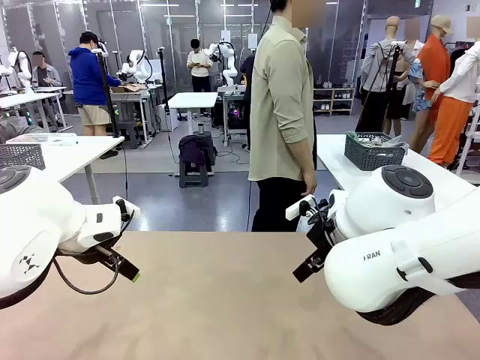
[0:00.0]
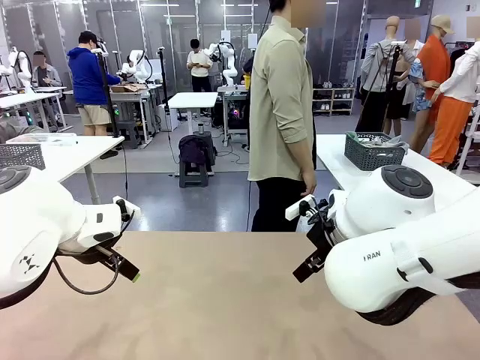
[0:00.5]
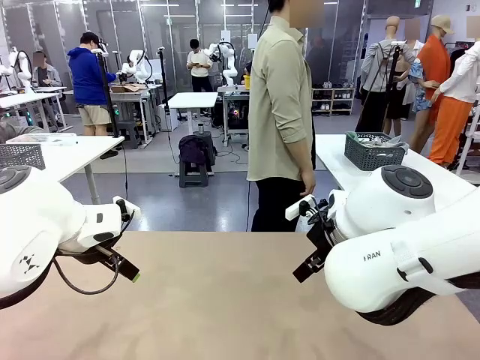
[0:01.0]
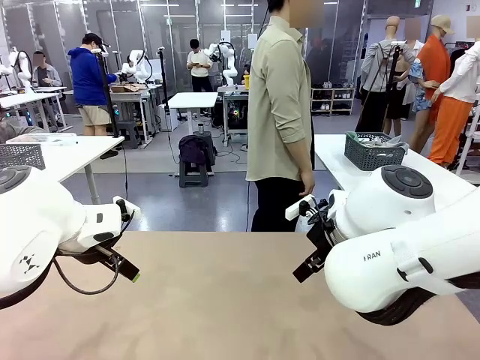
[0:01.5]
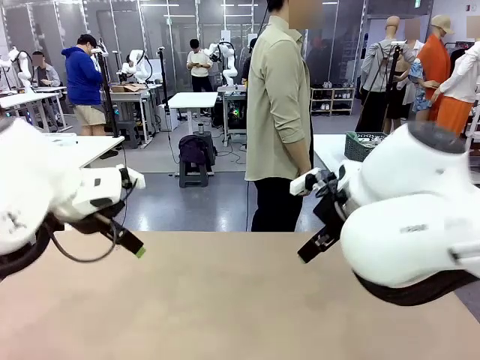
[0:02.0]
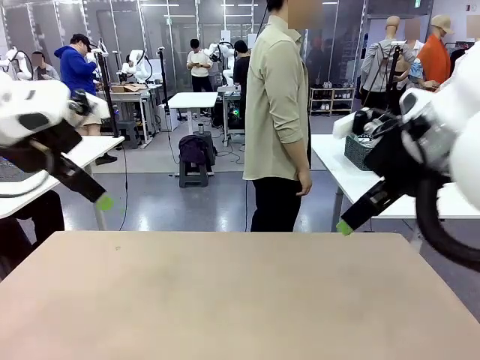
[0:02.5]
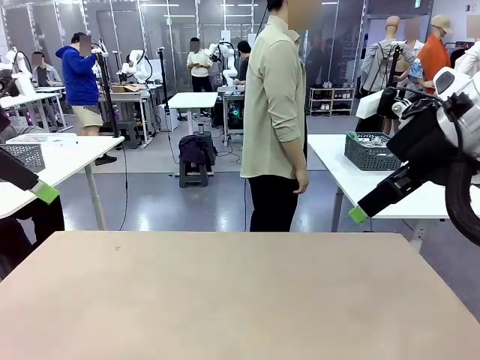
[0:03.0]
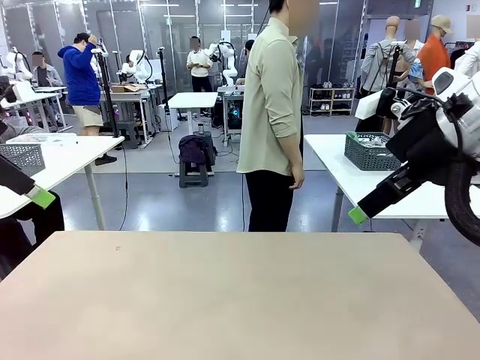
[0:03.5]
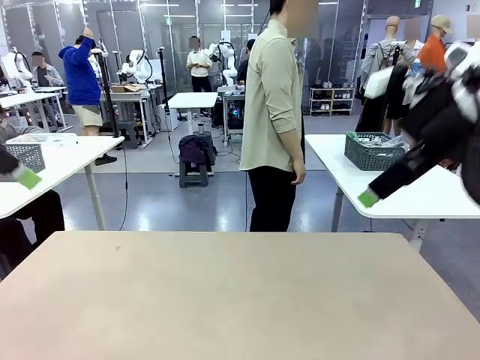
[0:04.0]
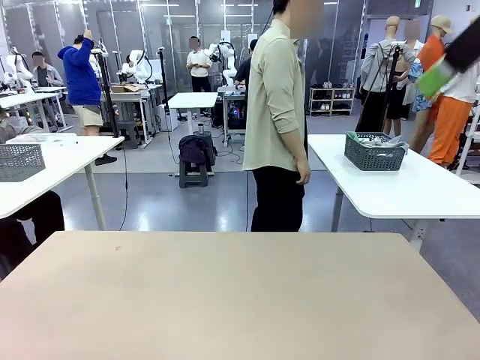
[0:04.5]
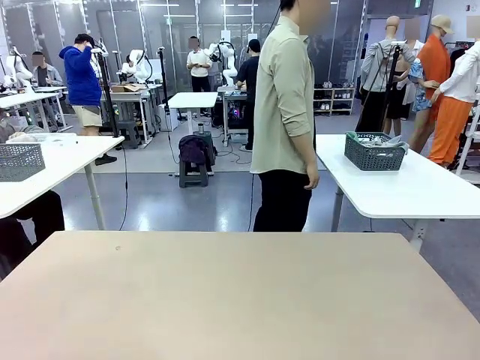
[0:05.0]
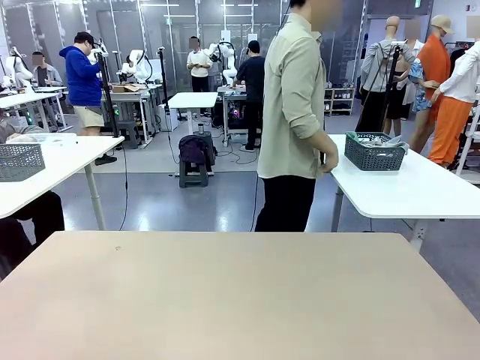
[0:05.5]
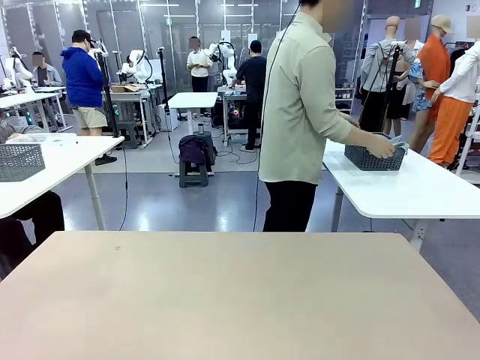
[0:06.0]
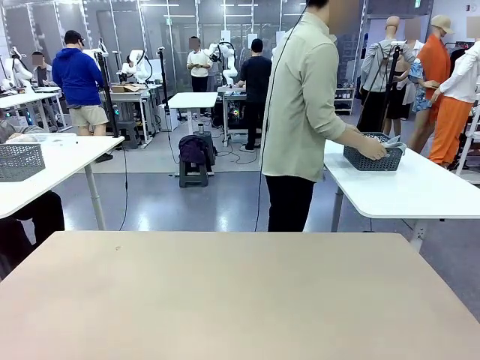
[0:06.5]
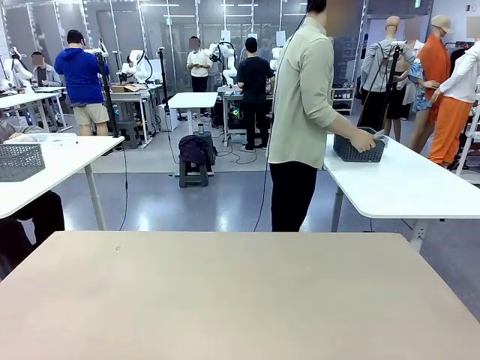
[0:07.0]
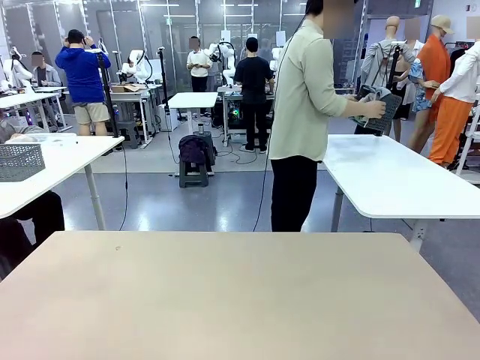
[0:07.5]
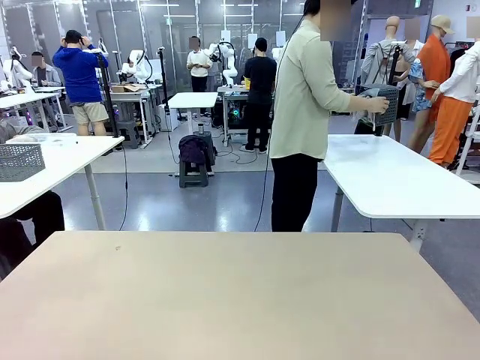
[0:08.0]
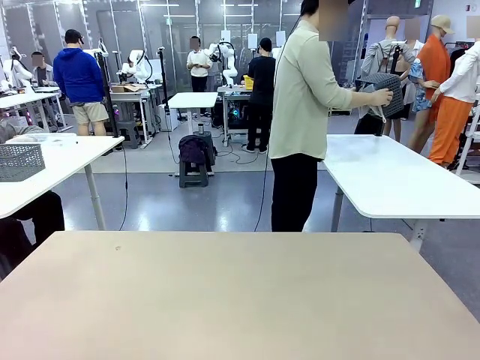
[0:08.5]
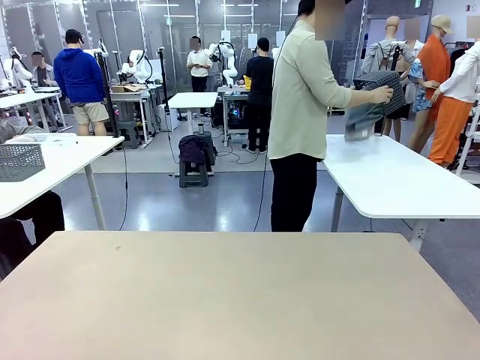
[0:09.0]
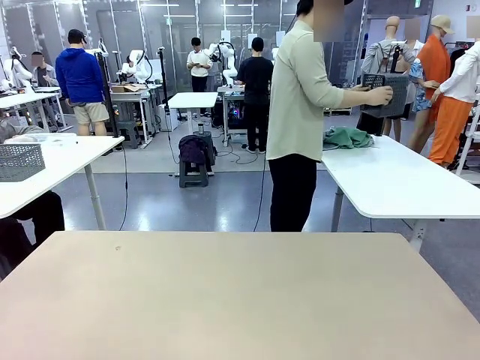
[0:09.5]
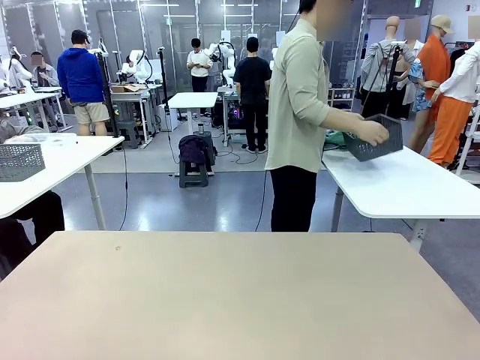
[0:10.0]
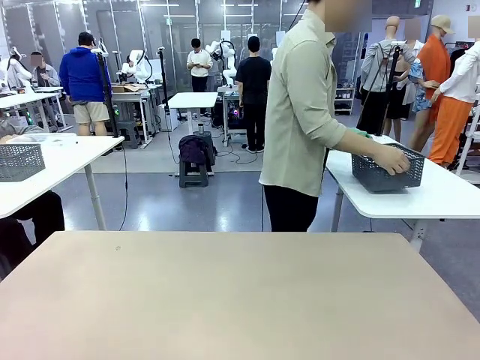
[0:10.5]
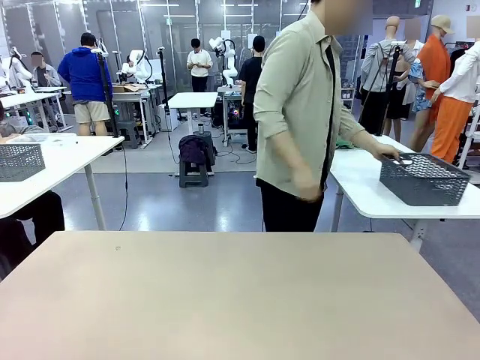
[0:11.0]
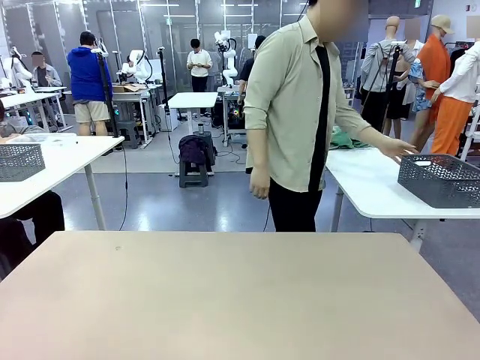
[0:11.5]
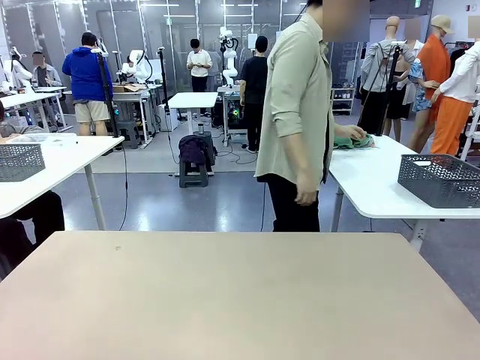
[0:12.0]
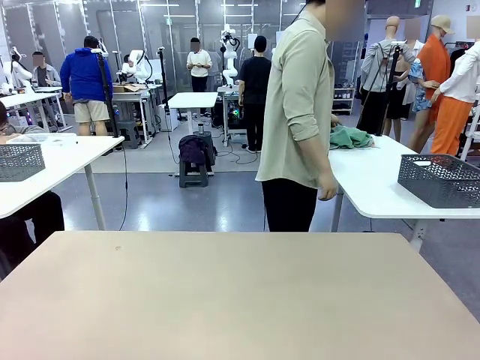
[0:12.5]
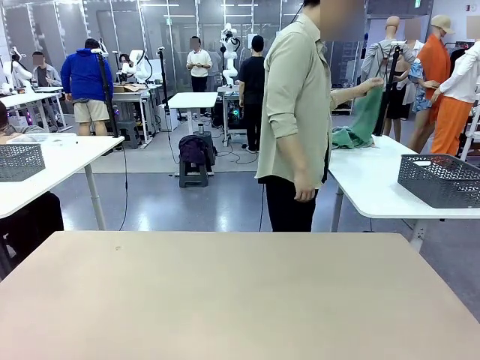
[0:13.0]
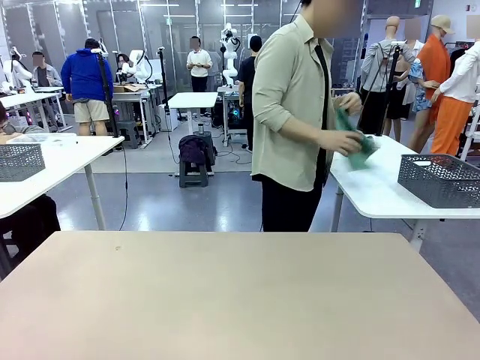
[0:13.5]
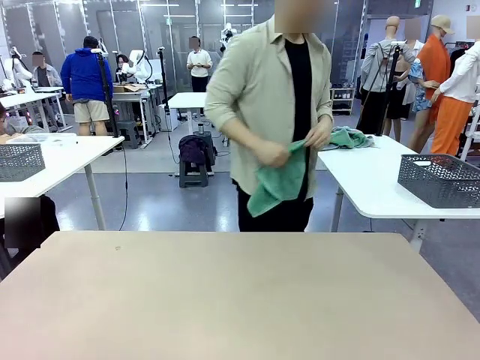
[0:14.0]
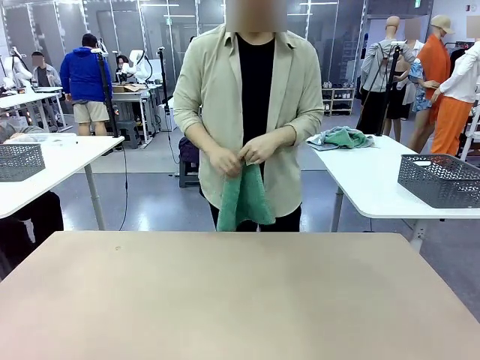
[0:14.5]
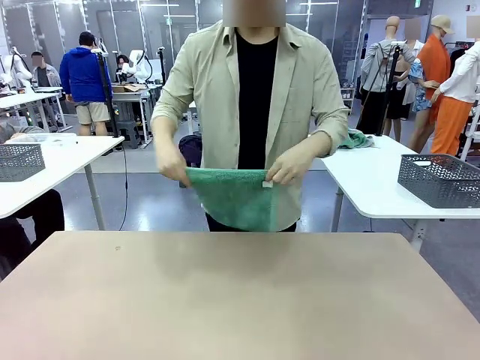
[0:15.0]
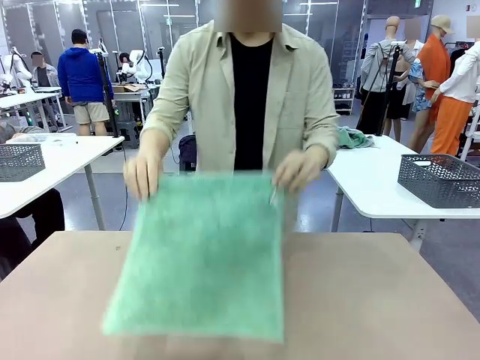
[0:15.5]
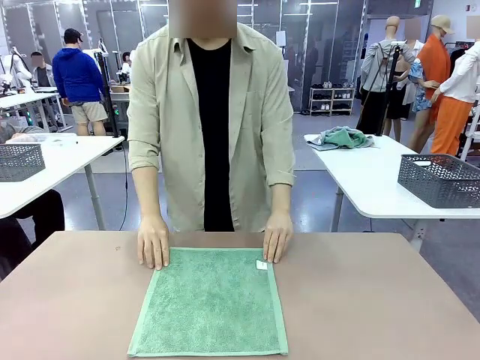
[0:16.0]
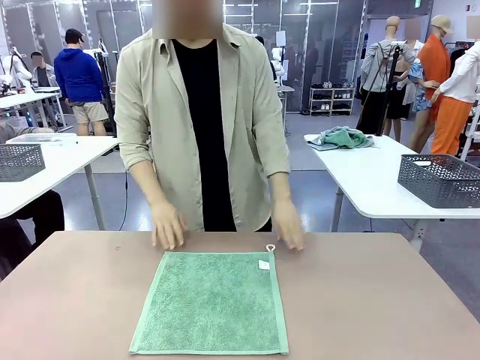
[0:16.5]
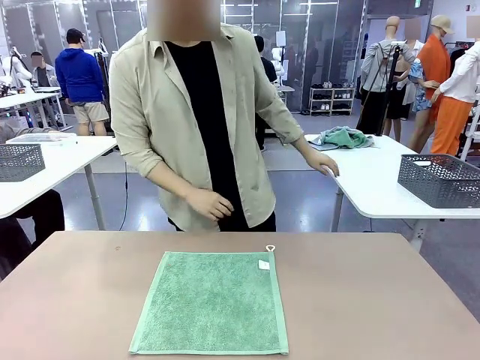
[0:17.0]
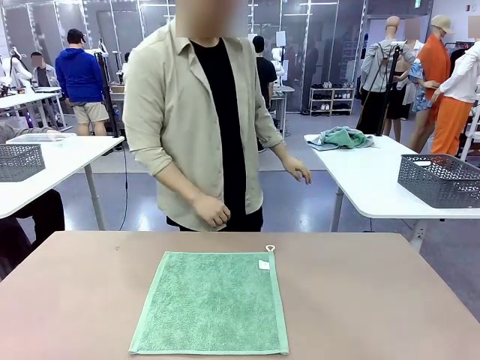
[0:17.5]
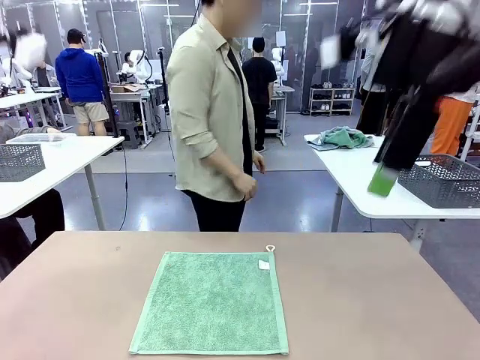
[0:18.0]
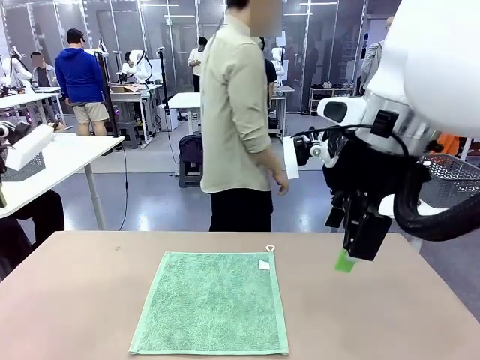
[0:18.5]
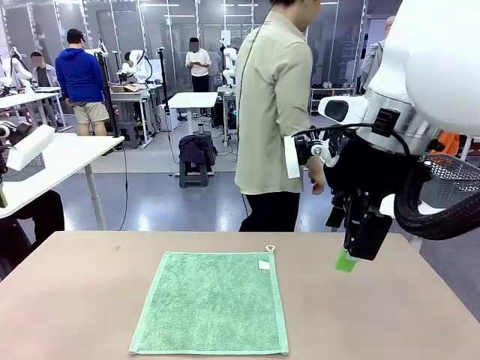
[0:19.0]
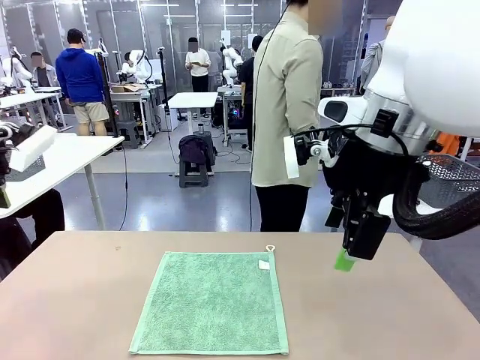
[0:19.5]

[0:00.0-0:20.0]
Task: Fold the towels and place them in the basket.
Robot: When a person lays out a Towel with hook on the table, fold it in half twice.
Person: Pick up the basket, pour the towels onto the left side of the human table, and place the basket on the right side. Pick up one towel and spread it out at the center of the robot table.
